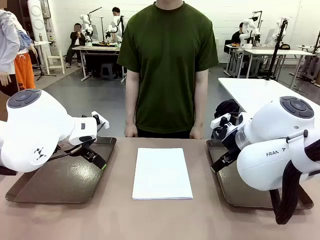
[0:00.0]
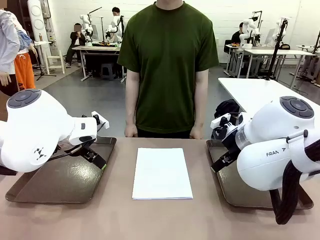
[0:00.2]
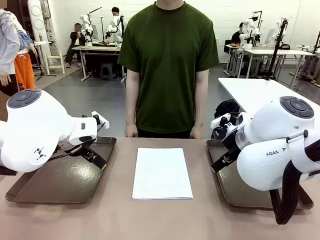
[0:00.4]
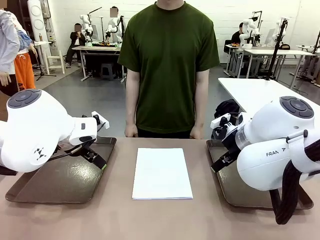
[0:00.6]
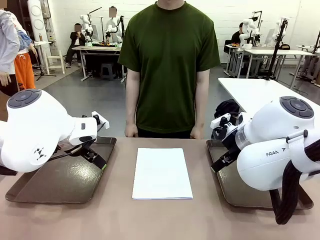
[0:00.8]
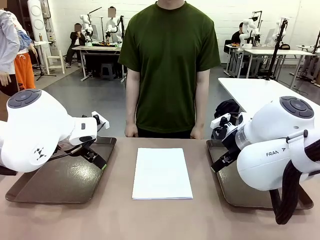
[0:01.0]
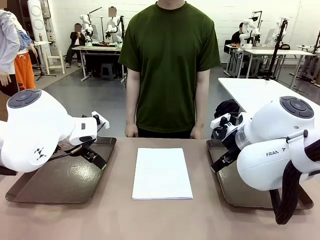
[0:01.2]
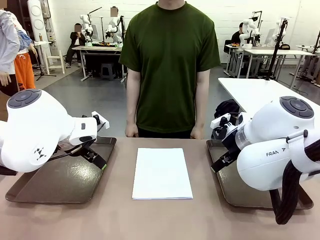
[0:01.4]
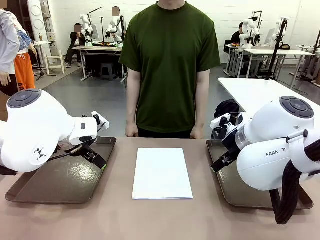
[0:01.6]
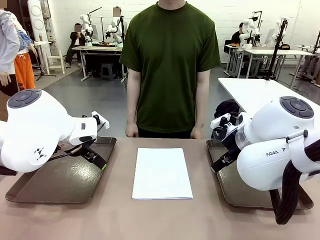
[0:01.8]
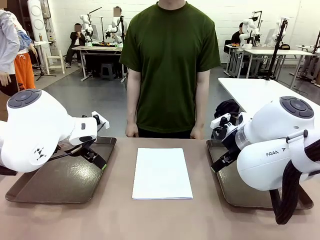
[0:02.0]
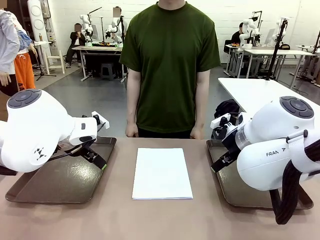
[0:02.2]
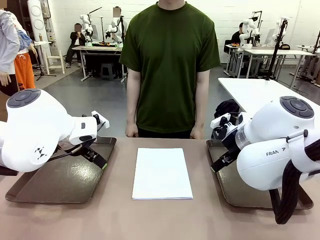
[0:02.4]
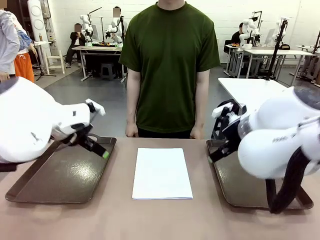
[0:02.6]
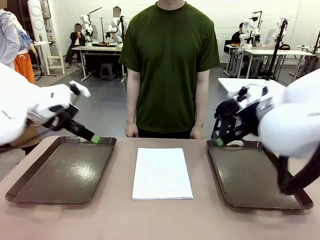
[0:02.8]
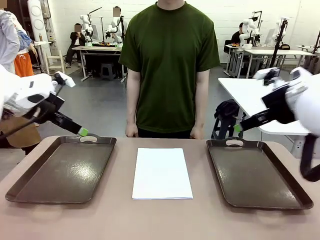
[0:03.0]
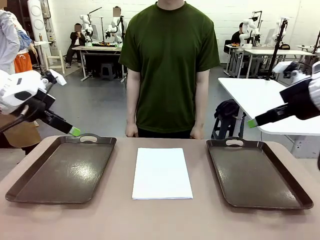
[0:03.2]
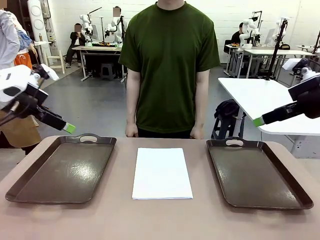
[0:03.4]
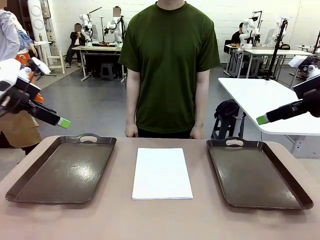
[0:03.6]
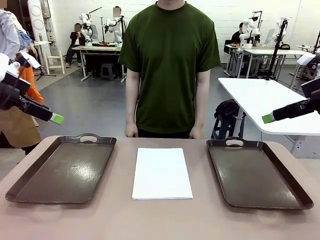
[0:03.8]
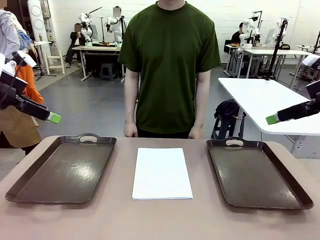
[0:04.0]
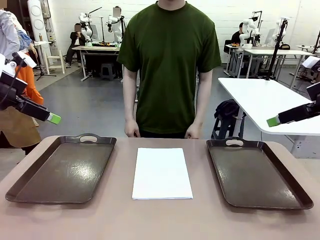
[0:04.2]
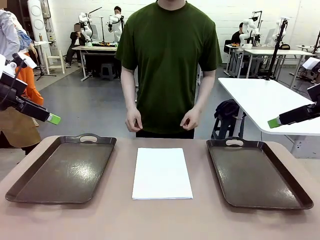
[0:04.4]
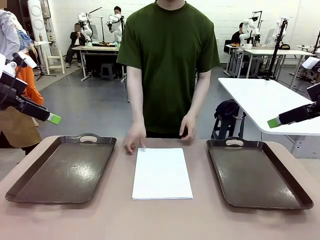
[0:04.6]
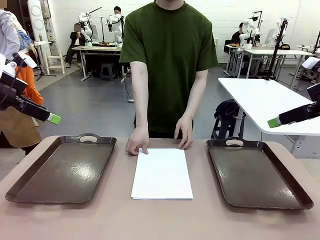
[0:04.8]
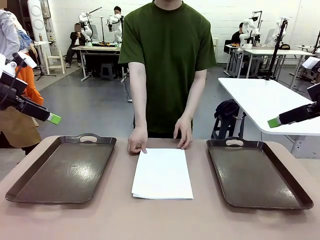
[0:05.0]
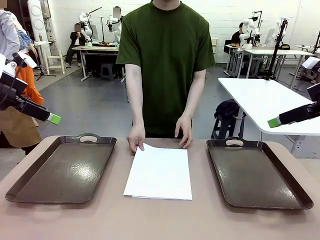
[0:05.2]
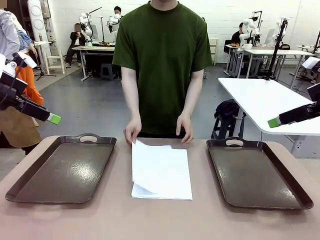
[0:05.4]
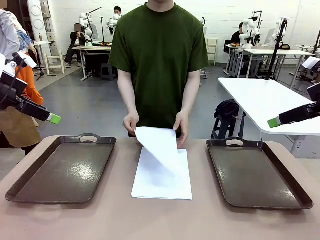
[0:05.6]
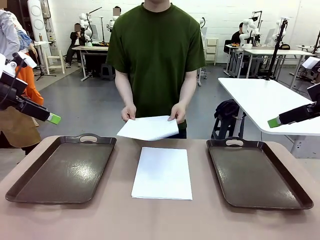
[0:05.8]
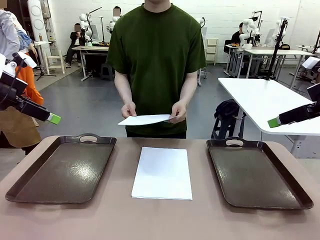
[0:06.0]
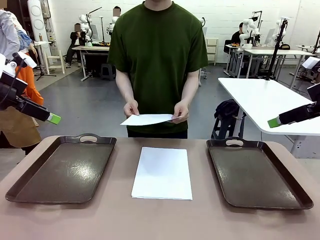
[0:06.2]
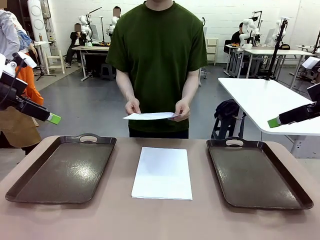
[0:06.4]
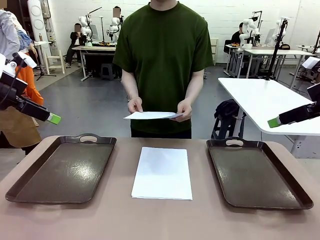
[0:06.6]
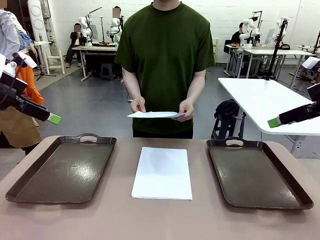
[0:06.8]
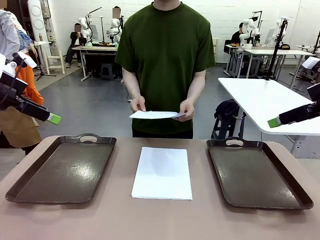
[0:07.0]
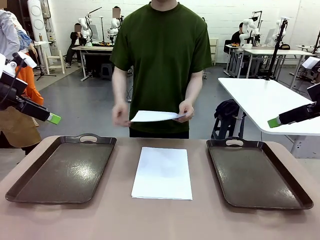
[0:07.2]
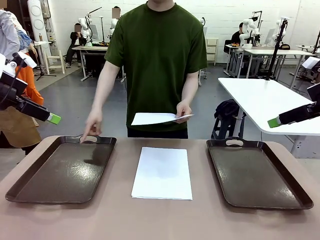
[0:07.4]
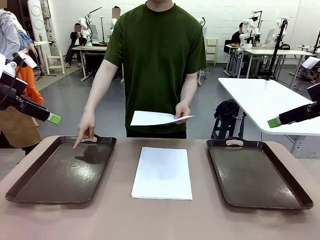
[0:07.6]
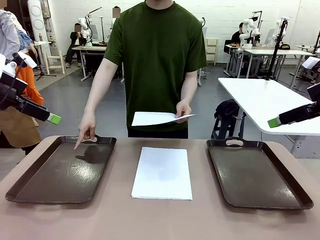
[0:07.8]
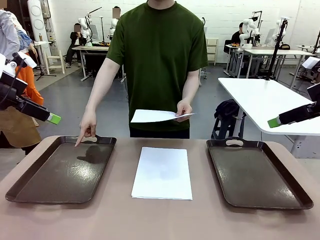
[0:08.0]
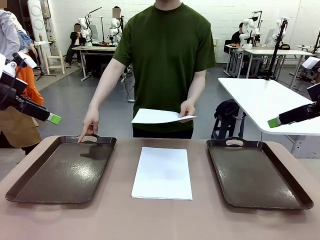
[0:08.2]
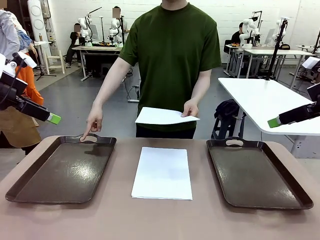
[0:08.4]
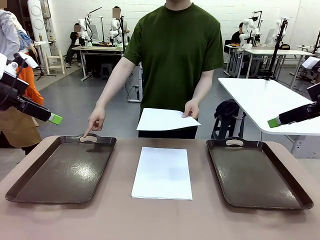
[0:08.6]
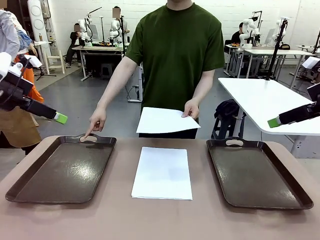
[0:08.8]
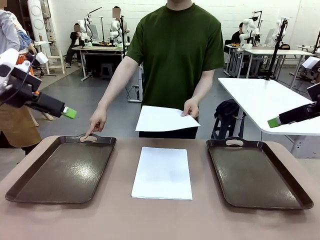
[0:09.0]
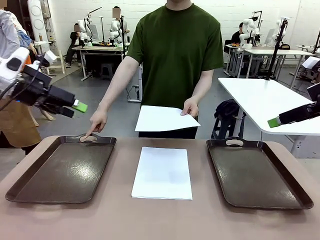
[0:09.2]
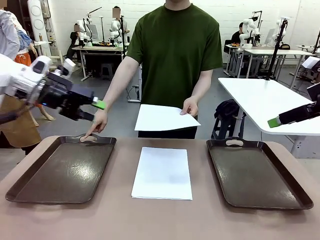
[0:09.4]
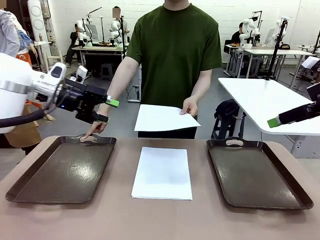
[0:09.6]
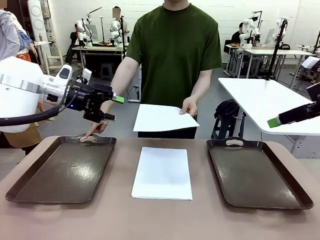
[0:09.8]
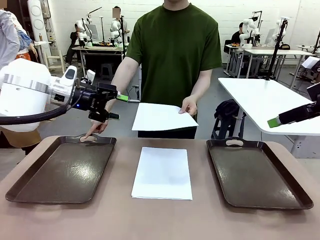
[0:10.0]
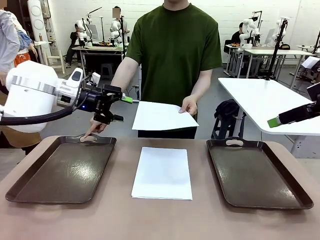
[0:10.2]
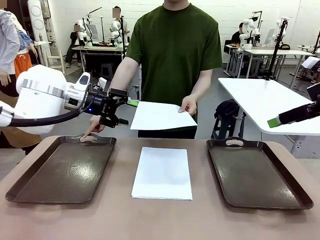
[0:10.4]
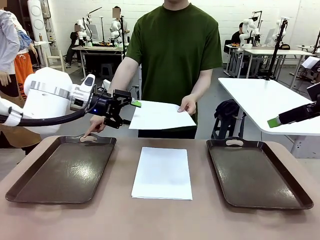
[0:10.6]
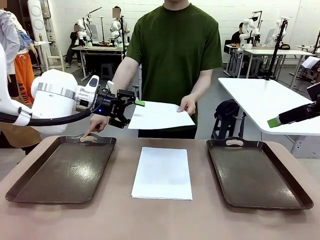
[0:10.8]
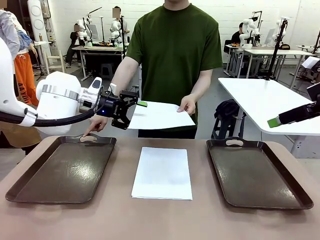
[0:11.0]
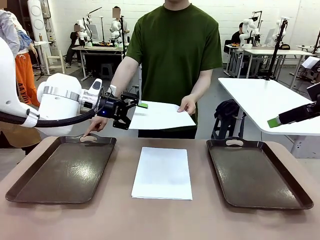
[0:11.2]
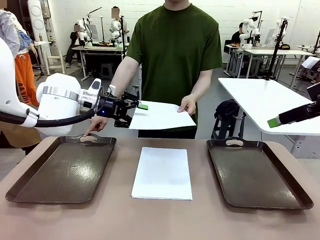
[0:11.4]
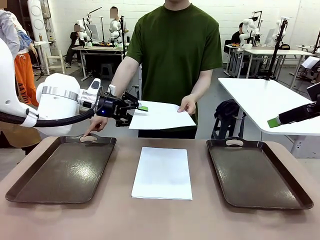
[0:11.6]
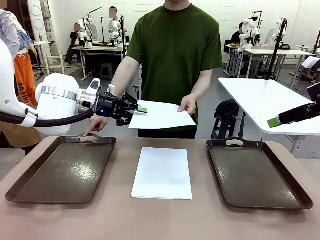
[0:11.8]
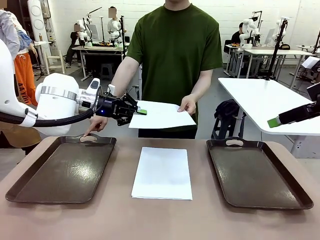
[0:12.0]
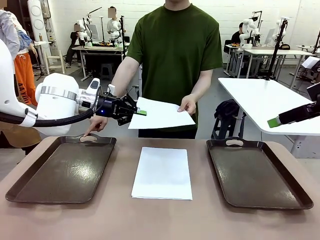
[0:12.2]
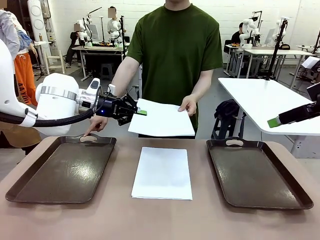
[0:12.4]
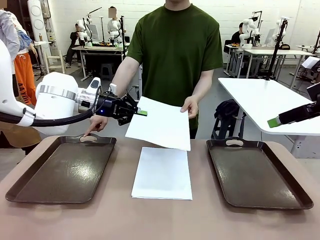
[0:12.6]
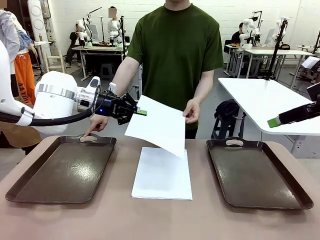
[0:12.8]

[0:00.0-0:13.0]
Task: Sort the A4 documents.
Robot: Receive the A4 Paper.
Person: Pick up a sheet of paper from the center of the table and hand it to the robot. Point the randomly selected tray with the other hand.

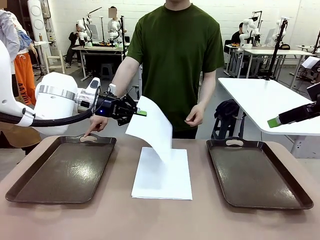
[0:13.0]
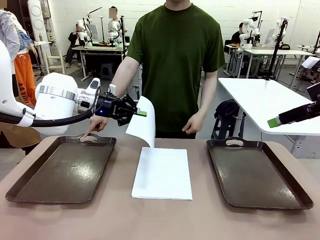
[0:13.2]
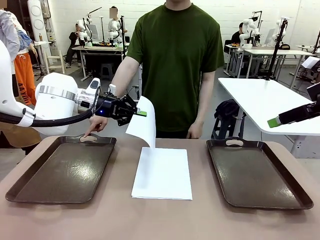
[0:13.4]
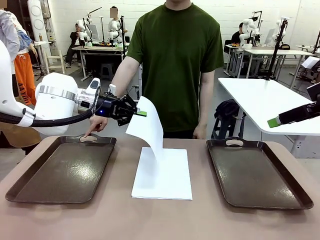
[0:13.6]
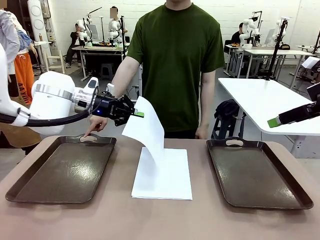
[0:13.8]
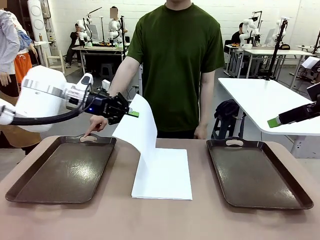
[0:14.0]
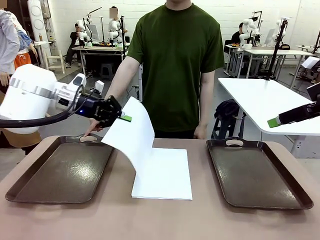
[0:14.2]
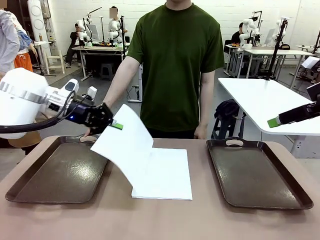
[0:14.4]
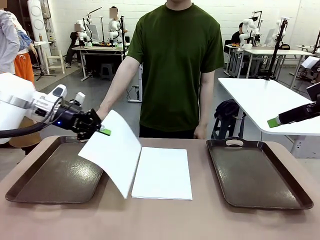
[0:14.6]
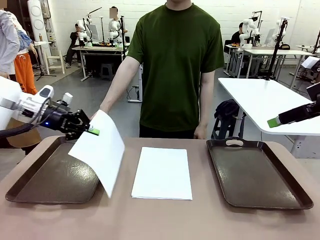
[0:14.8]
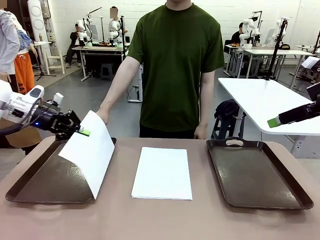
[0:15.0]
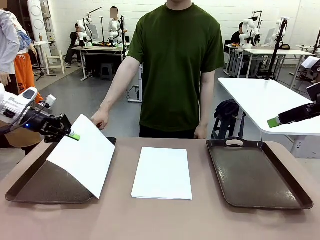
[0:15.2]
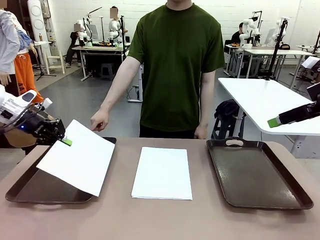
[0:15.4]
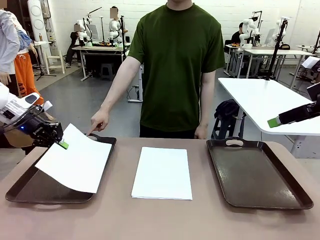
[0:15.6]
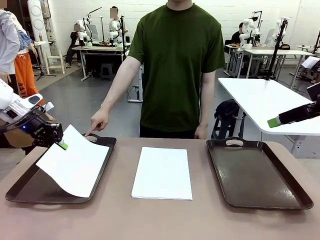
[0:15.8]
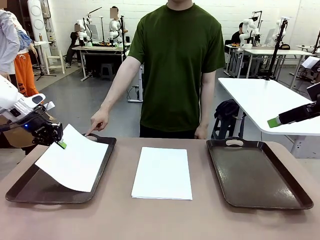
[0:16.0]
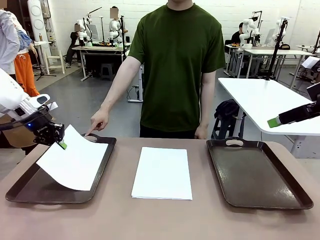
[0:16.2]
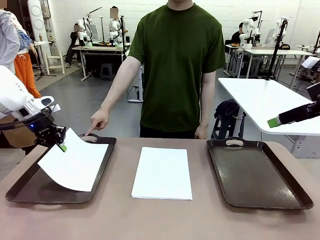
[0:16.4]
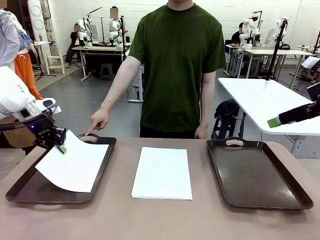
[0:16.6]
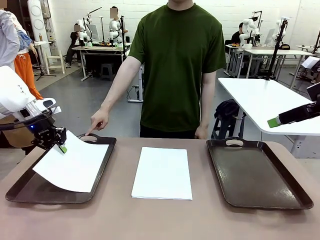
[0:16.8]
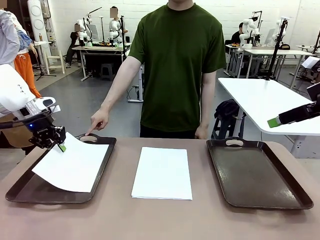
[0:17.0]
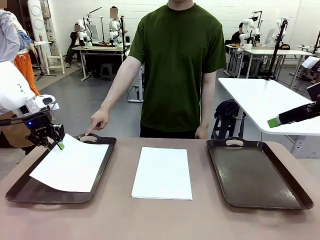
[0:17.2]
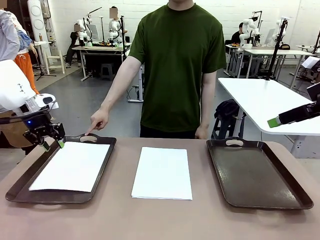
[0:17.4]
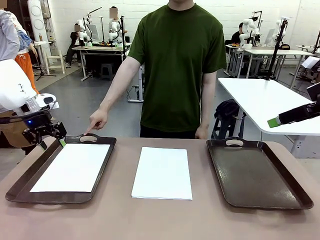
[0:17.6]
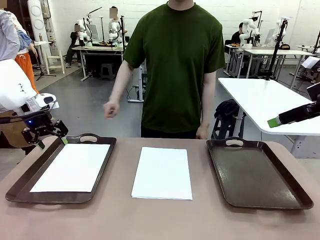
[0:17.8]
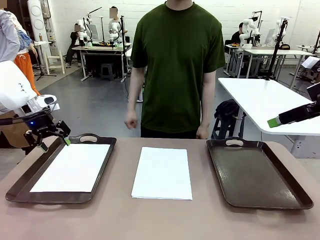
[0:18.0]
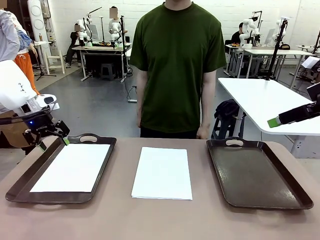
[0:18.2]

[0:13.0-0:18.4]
Robot: Place the A4 Paper in the designated Handle tray.

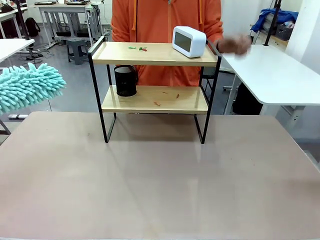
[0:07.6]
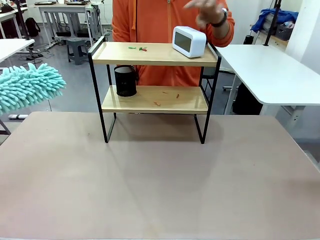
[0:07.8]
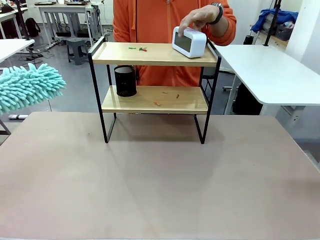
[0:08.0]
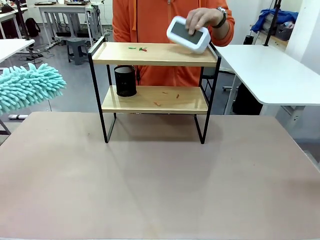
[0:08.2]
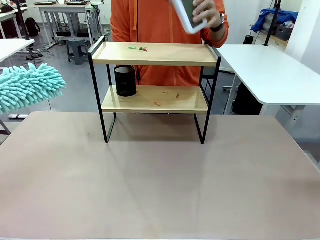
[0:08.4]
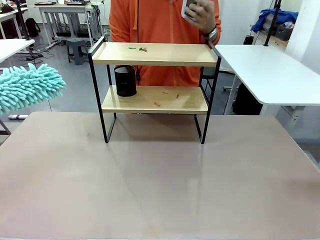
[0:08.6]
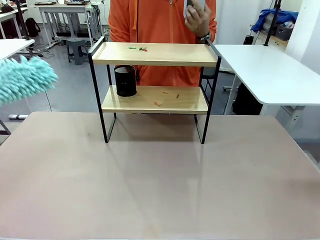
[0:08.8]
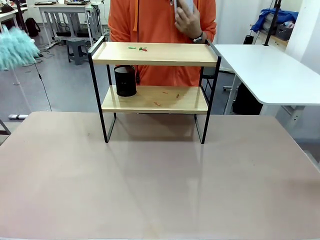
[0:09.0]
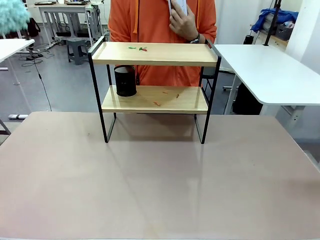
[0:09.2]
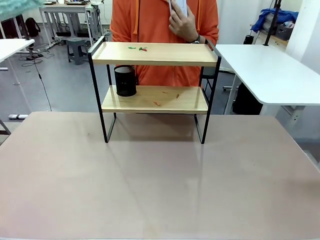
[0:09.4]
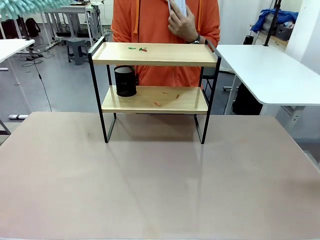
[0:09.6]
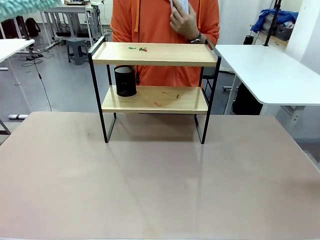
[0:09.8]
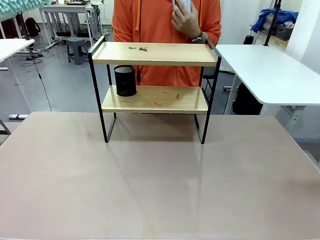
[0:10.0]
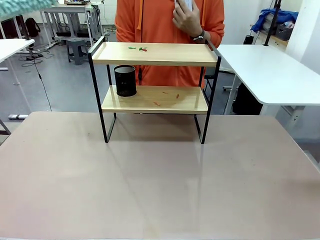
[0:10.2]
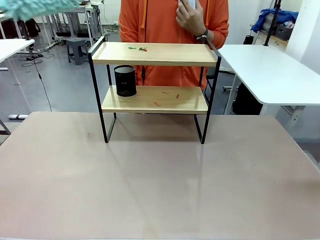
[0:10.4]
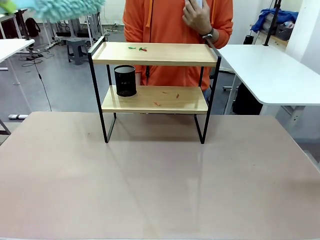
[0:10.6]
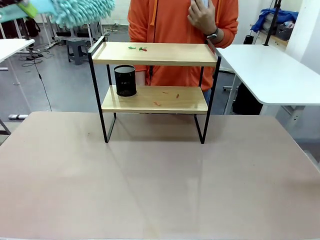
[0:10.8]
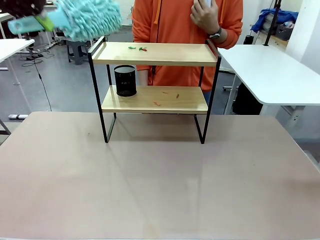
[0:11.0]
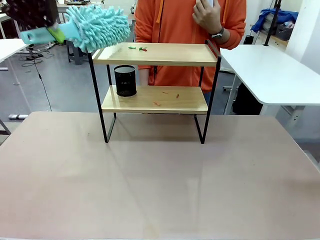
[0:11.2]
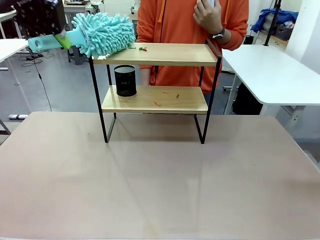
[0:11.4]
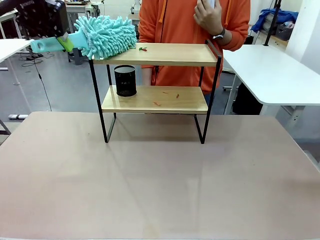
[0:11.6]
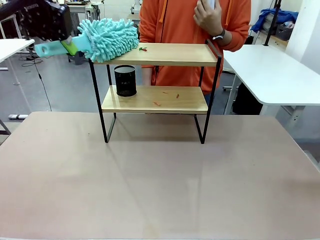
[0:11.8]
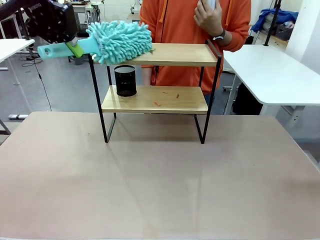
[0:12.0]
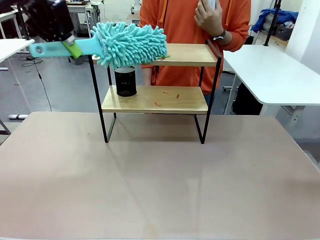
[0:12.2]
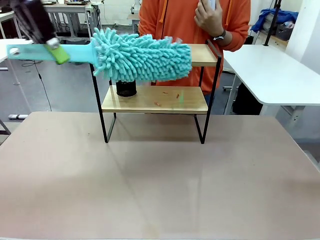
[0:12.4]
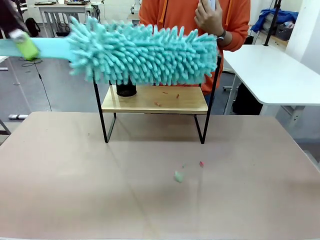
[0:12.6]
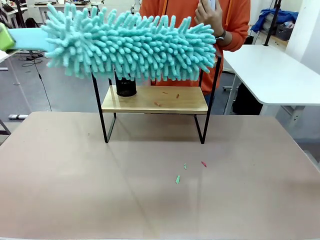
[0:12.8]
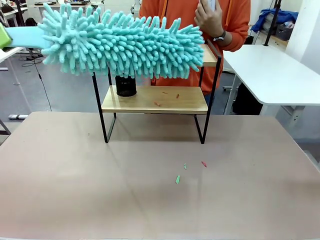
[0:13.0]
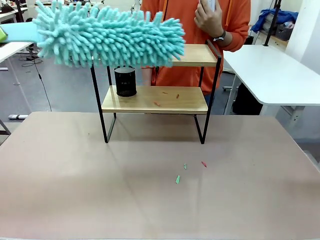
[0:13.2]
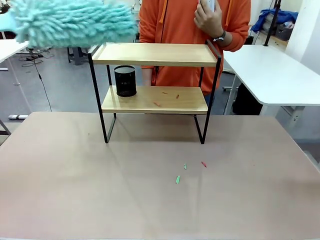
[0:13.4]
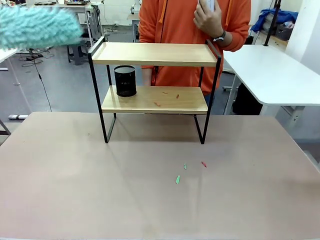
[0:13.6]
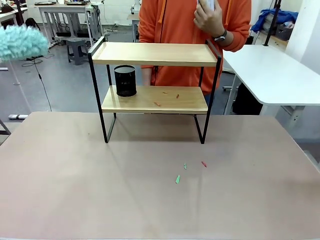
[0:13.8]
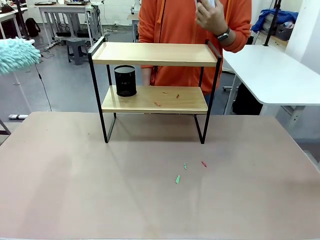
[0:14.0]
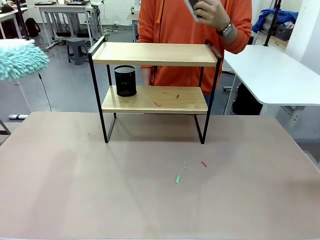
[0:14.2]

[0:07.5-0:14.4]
Task: Clean the shelf.
Robot: Clean the specific tier of the Shelf with the Duster once objects are removed.
Person: Lift the objects on a randomly selected tier of the Shelf. Once the robot finishes cleaning, lift the objects on the remaining tiers of the Shelf.
